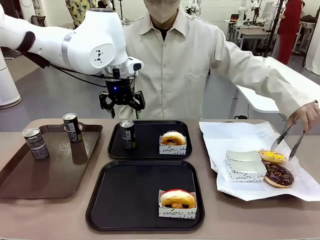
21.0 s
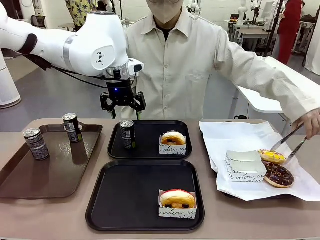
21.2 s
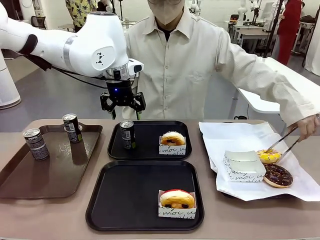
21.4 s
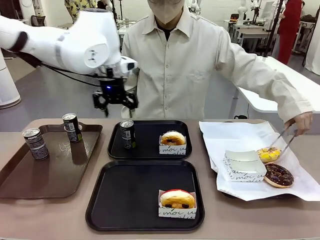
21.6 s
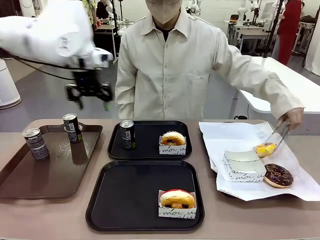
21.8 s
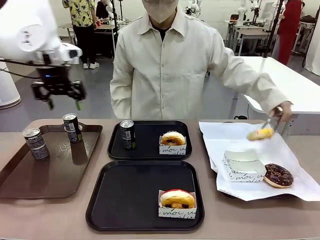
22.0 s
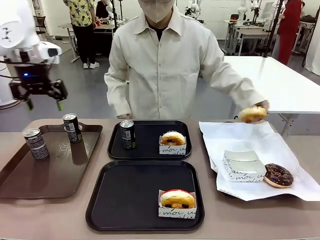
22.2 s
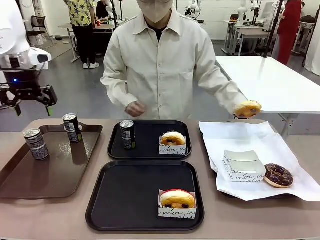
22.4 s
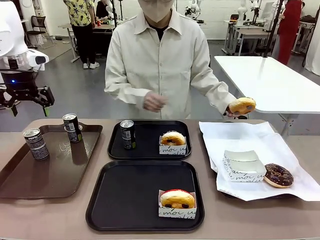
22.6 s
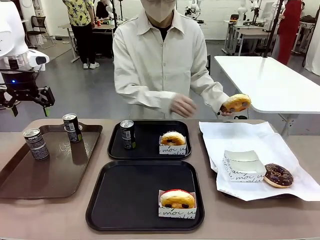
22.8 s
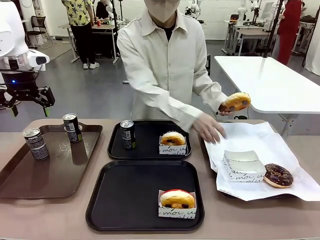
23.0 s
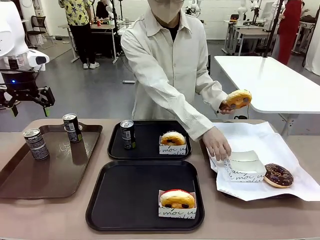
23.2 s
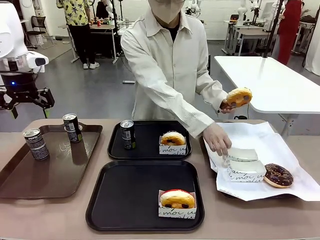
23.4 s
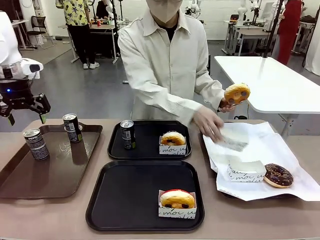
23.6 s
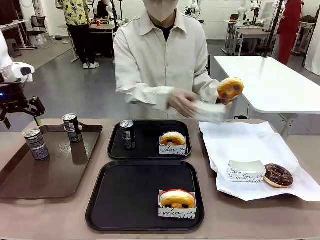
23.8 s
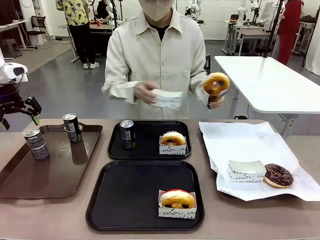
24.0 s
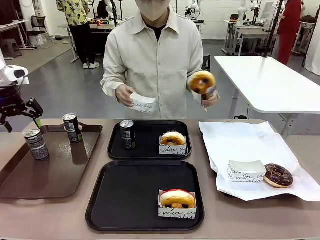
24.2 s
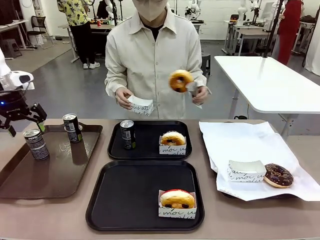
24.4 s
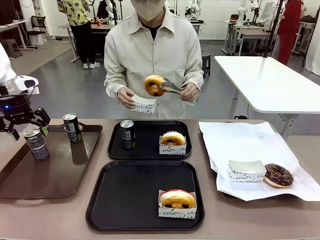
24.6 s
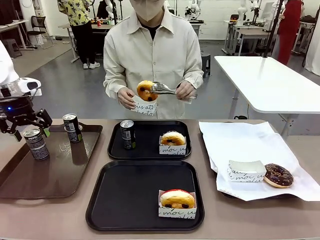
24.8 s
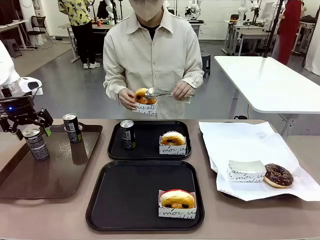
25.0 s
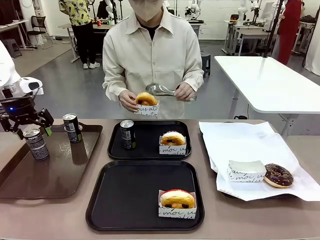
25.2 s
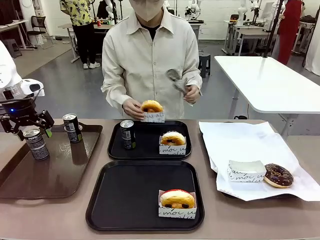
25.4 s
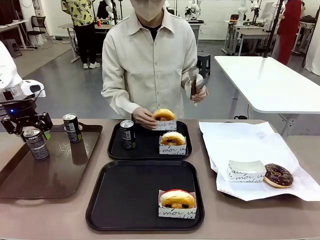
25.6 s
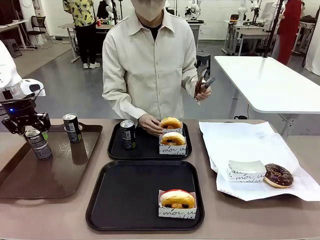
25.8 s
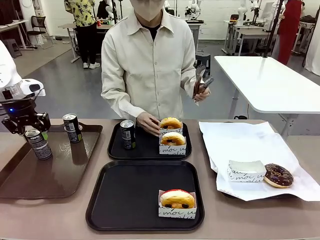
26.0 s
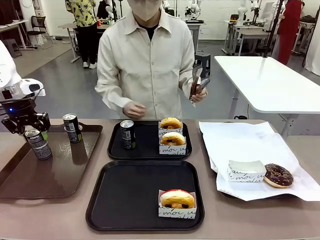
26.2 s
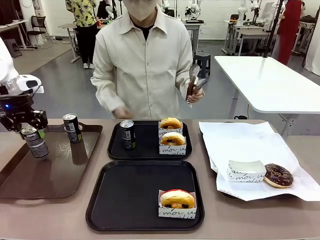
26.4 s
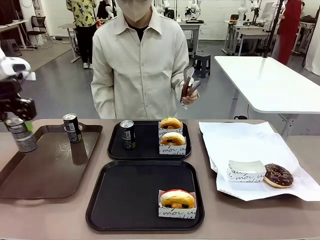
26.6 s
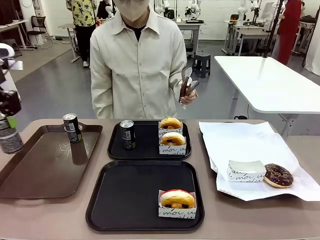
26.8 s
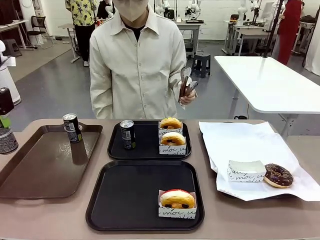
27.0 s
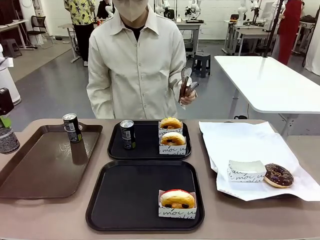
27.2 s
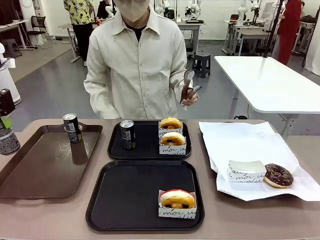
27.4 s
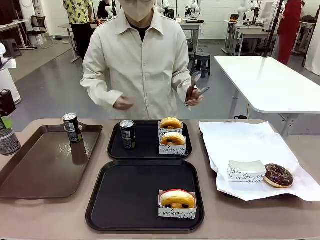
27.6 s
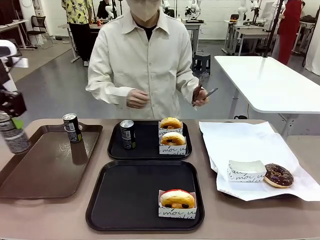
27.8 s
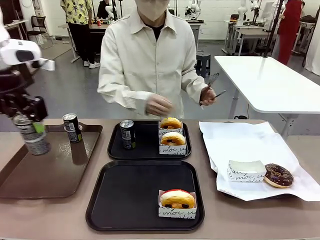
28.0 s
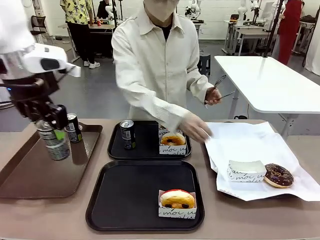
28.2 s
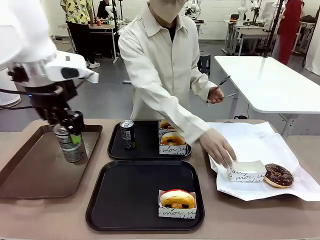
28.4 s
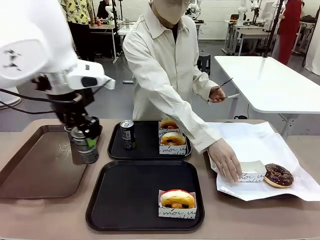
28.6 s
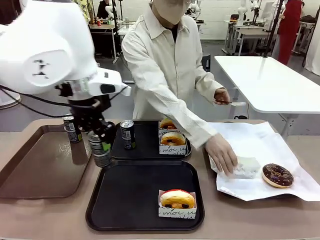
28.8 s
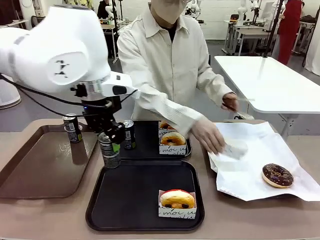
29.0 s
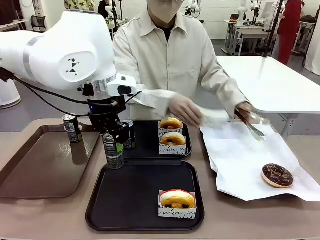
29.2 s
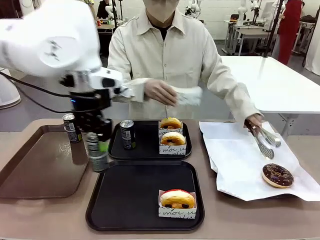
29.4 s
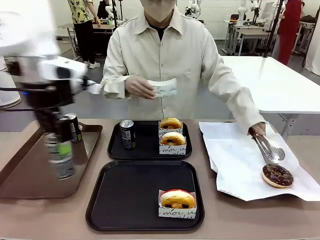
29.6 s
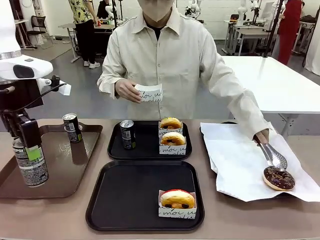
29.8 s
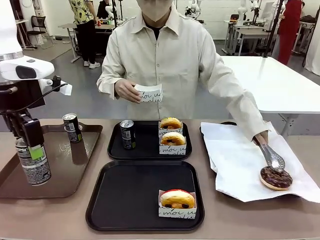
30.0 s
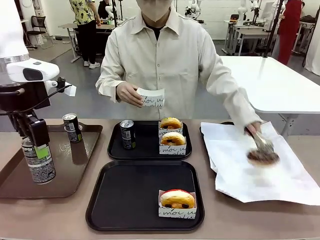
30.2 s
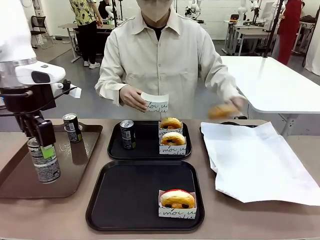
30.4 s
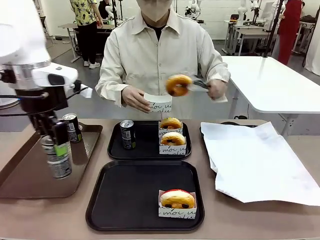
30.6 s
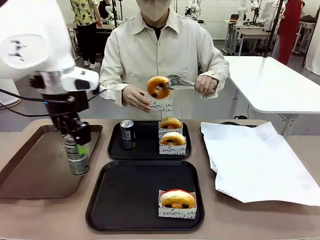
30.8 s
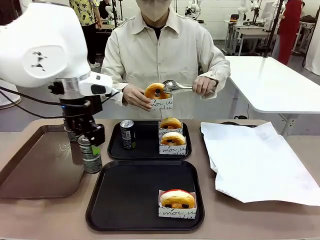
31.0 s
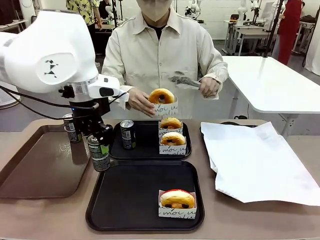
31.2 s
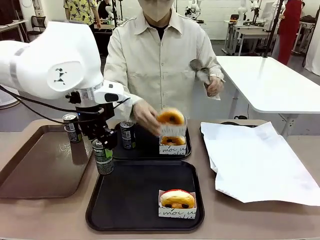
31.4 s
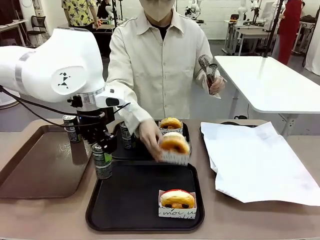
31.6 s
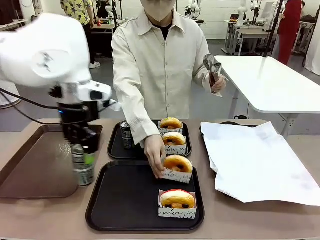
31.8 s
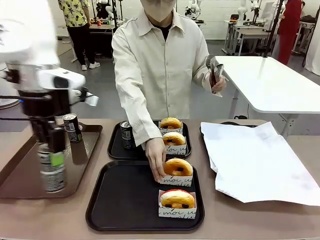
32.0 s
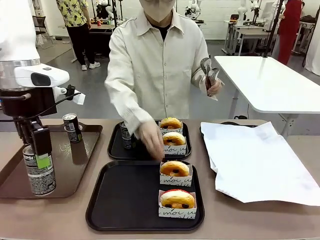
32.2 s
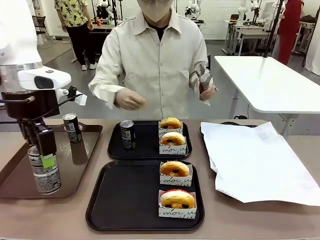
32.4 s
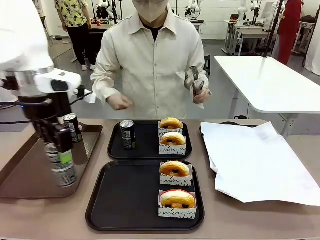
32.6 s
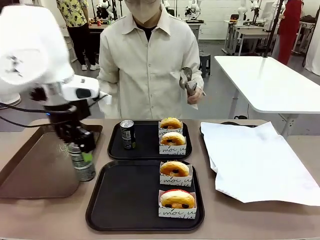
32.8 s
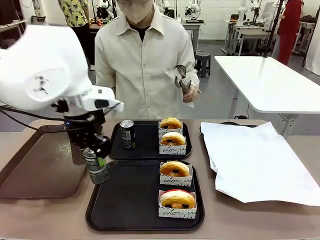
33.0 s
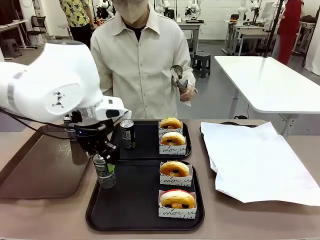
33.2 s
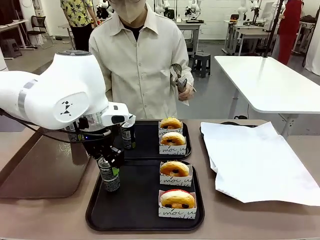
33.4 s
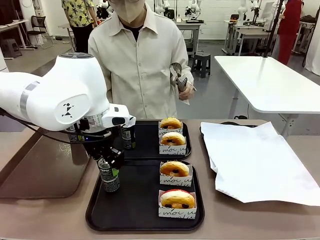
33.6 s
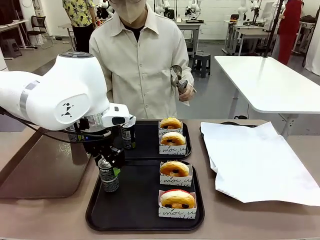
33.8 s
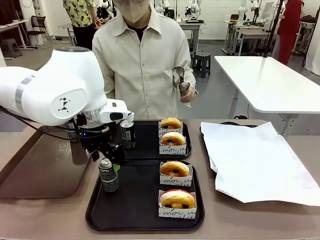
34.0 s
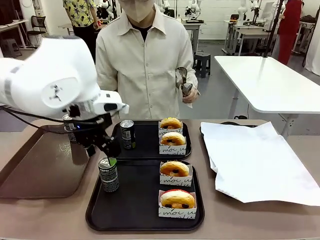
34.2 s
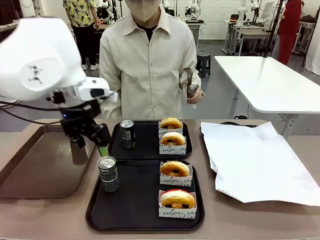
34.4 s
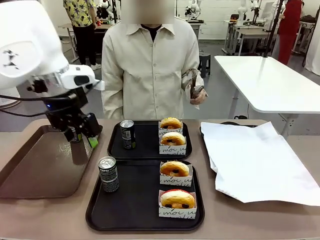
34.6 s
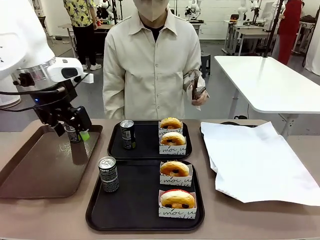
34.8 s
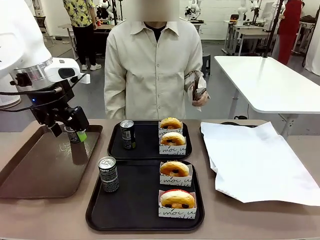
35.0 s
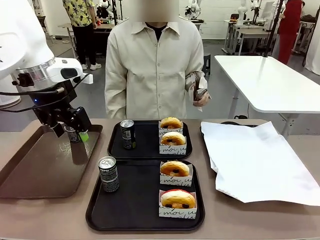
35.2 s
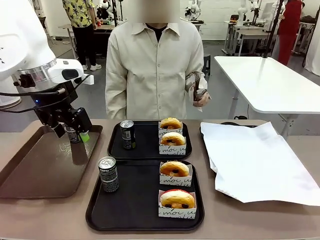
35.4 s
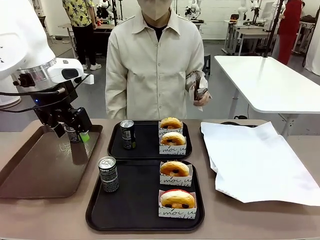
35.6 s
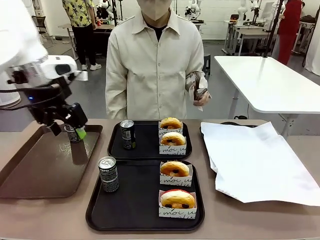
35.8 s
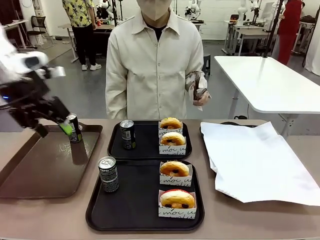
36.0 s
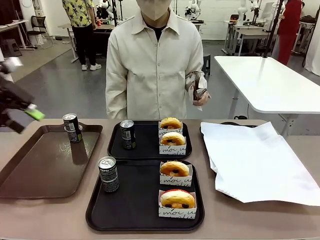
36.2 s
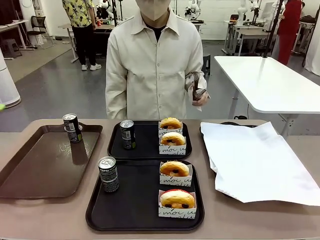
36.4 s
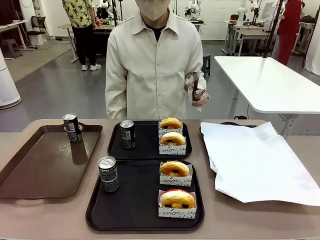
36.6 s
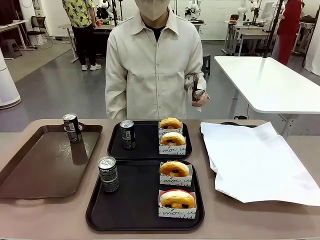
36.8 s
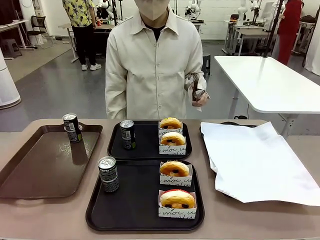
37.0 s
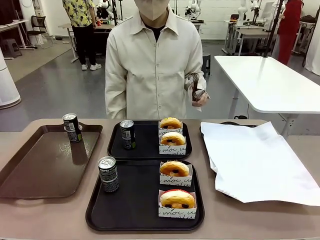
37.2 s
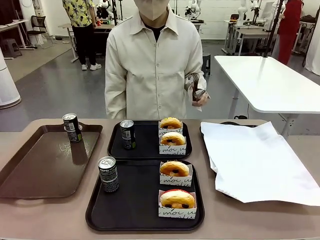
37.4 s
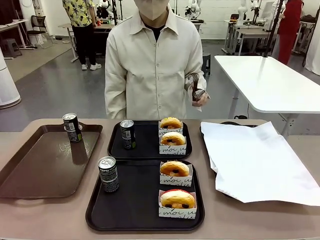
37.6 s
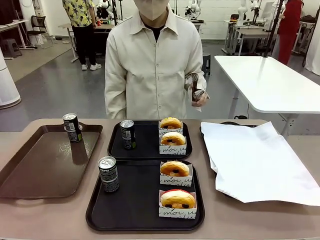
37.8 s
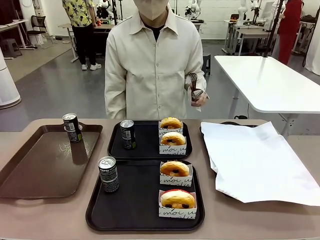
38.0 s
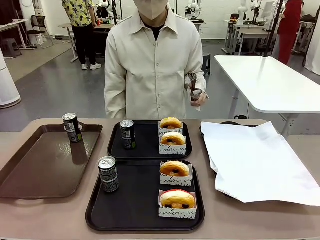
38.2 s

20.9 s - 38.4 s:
Task: Set up donuts and drinks on trays.
Robot: Pick up one Pepsi coke from the Handle tray and place it on the Flat Tray without a Pepsi coke.

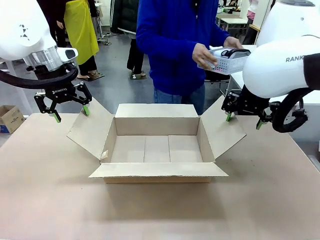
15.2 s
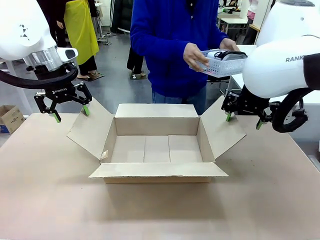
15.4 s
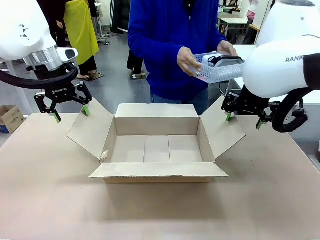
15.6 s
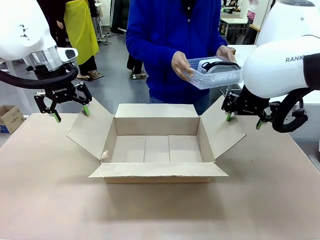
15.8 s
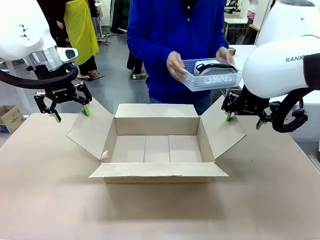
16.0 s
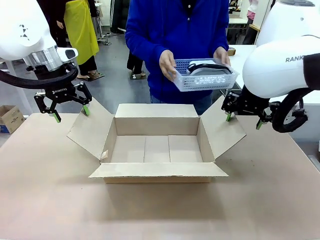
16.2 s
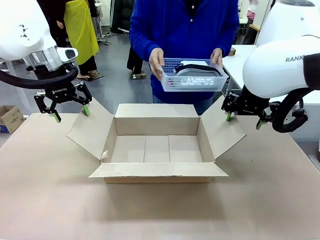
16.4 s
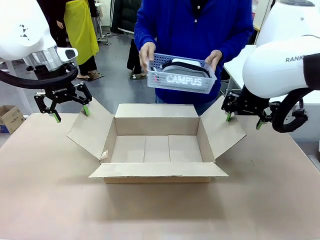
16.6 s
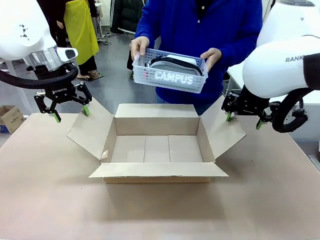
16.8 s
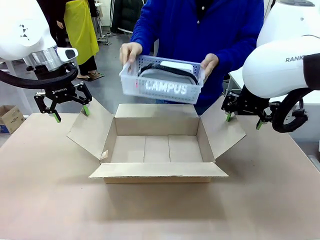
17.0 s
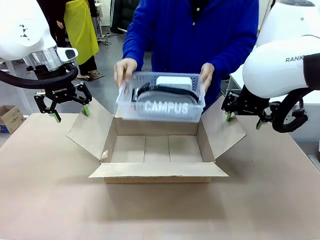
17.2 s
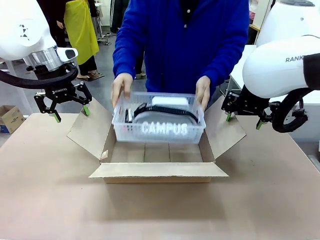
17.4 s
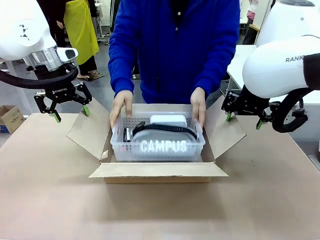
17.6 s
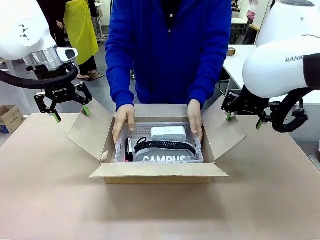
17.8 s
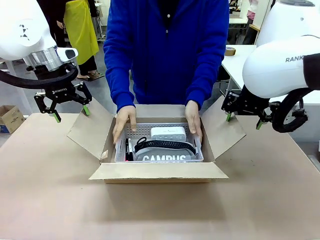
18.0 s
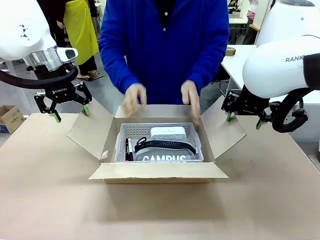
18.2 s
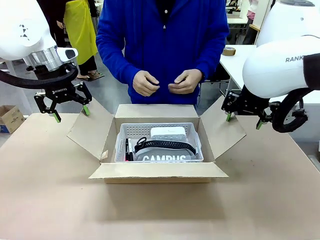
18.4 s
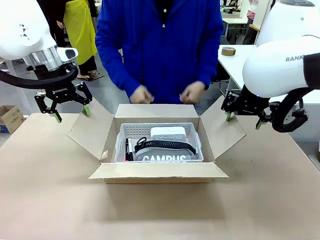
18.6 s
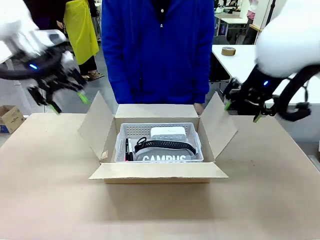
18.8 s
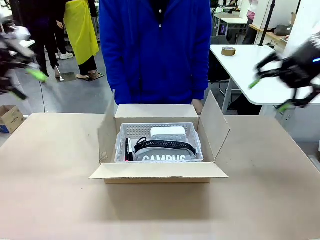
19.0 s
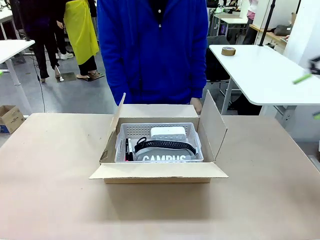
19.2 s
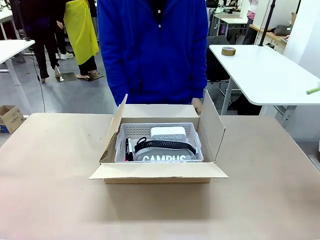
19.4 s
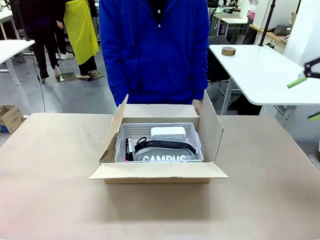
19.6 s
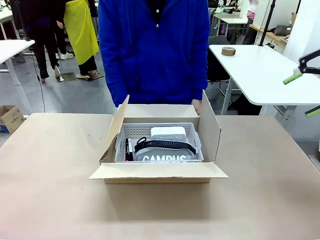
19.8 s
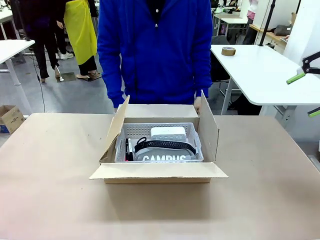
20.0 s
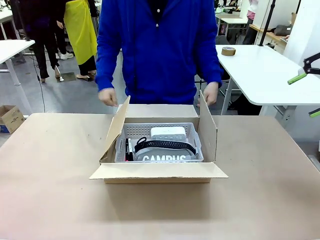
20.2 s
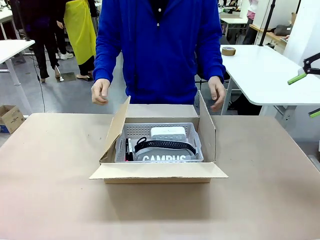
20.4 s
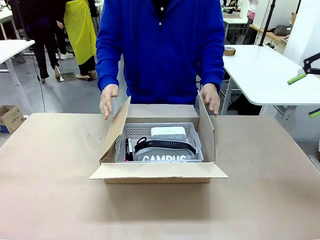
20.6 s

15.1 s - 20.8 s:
Task: Pack the gift set into the box.
Robot: Lift both hands away from the flaps of the Package Box.
Person: The human picks up the organizing basket and places the organizing basket into the package box on the robot table.
